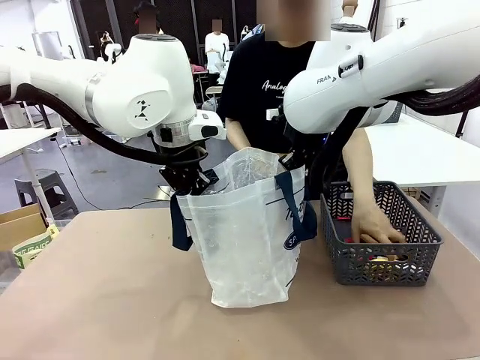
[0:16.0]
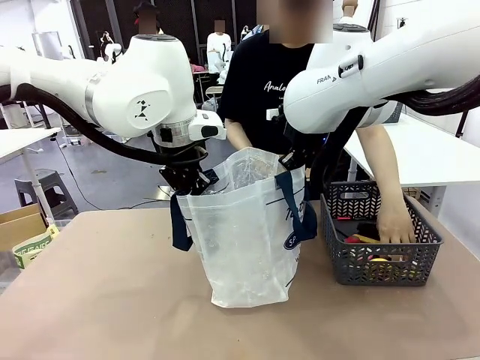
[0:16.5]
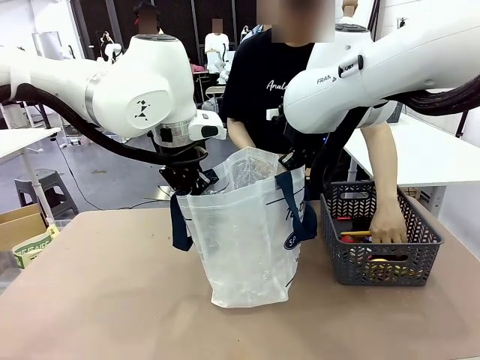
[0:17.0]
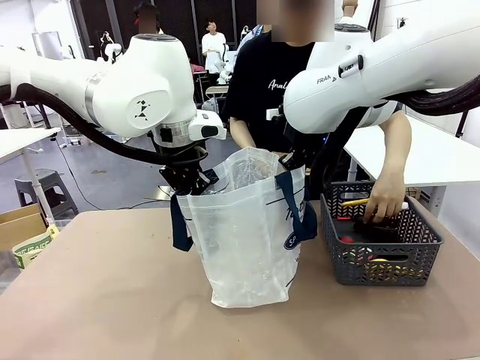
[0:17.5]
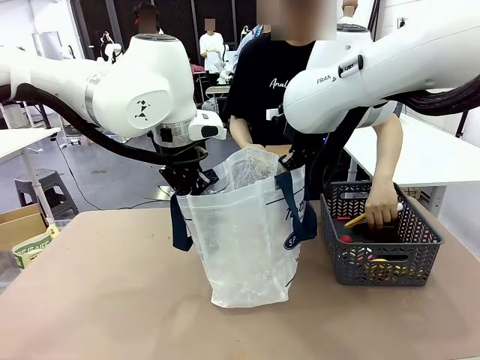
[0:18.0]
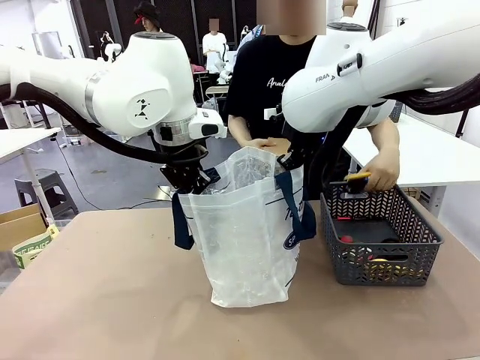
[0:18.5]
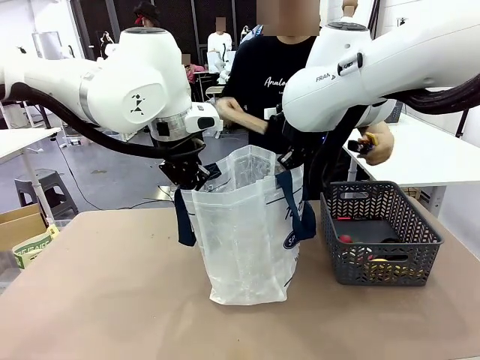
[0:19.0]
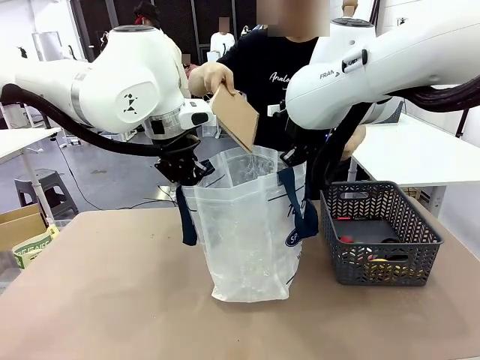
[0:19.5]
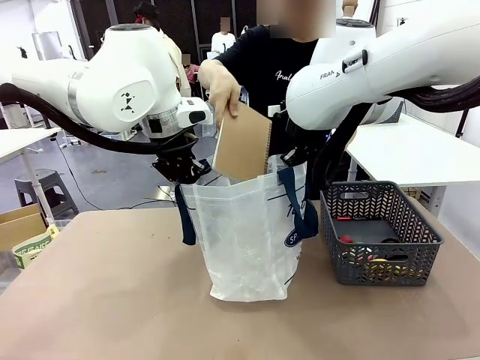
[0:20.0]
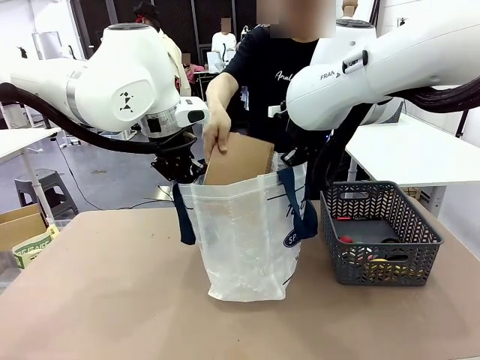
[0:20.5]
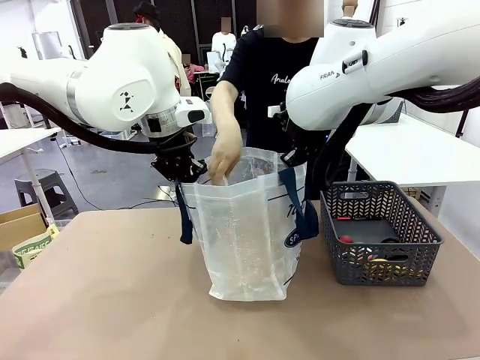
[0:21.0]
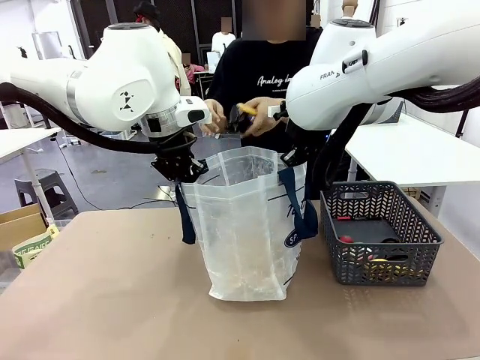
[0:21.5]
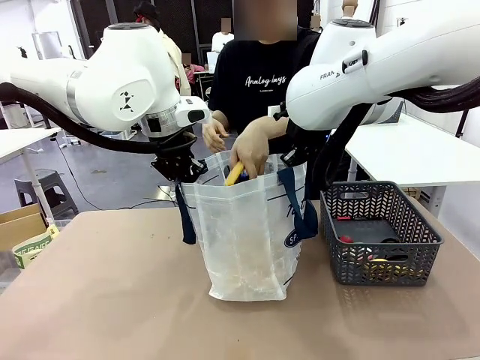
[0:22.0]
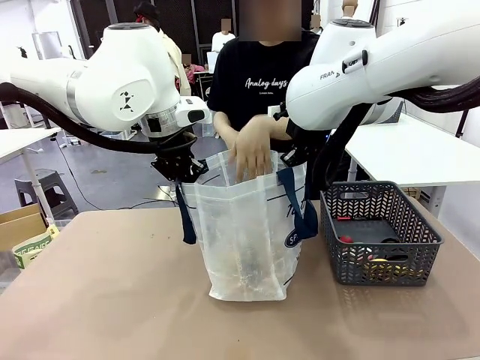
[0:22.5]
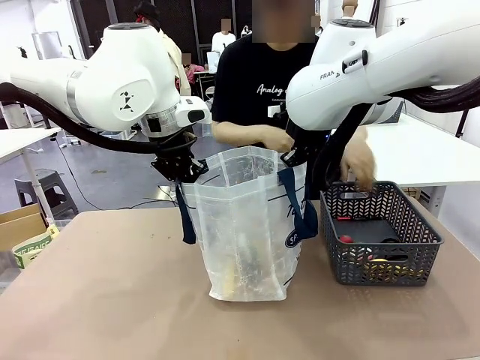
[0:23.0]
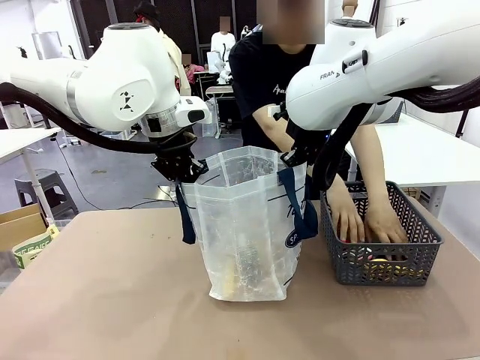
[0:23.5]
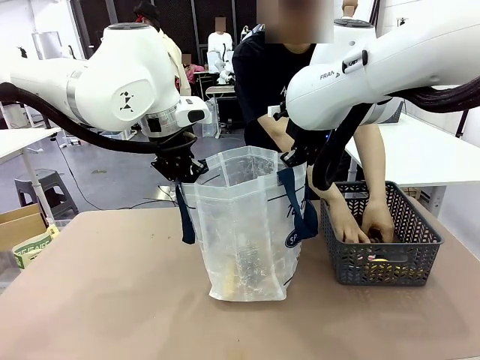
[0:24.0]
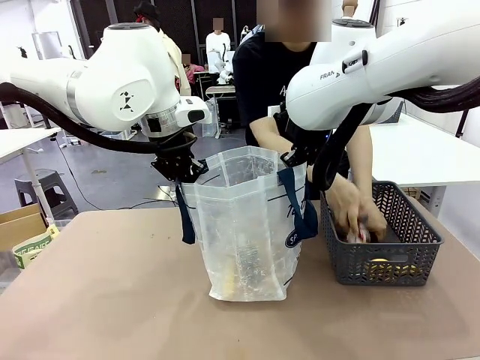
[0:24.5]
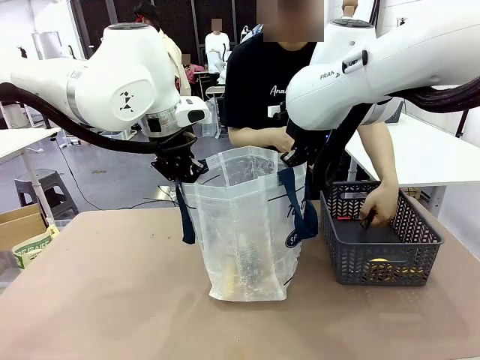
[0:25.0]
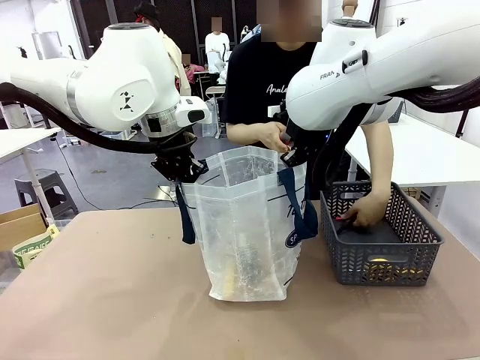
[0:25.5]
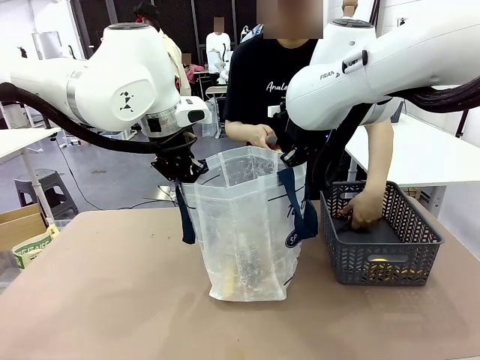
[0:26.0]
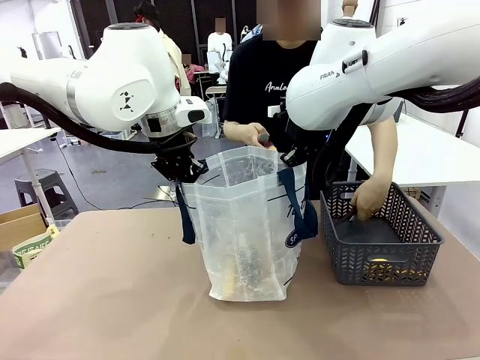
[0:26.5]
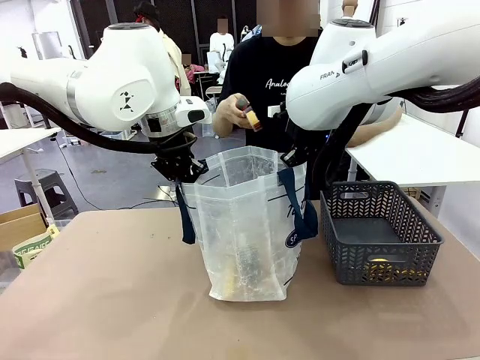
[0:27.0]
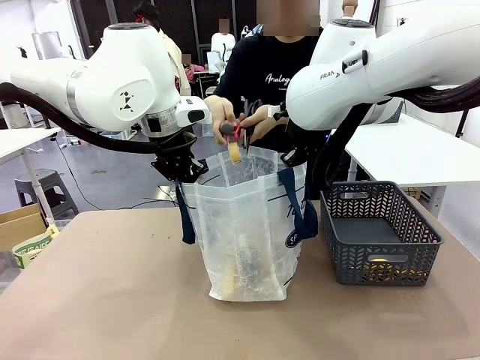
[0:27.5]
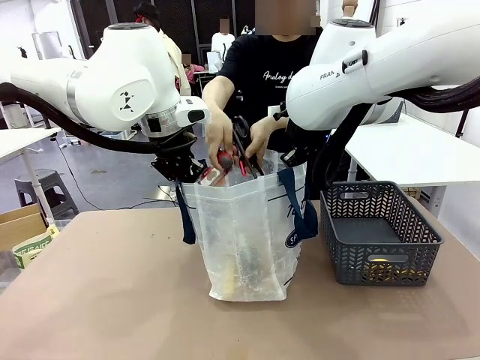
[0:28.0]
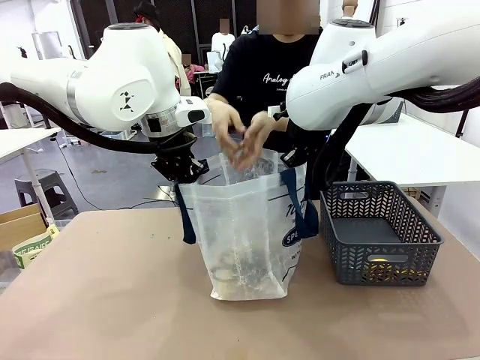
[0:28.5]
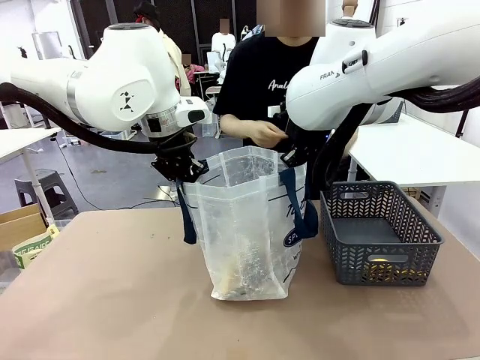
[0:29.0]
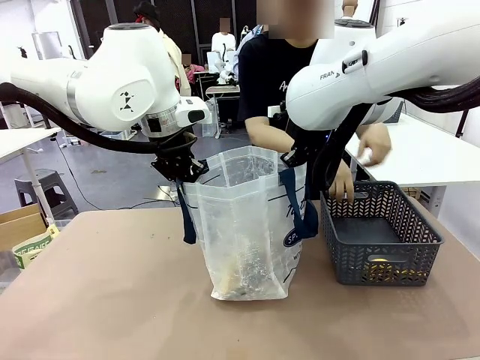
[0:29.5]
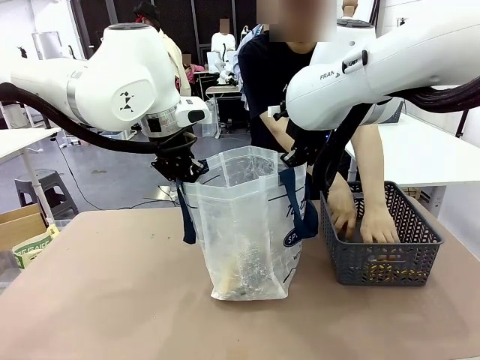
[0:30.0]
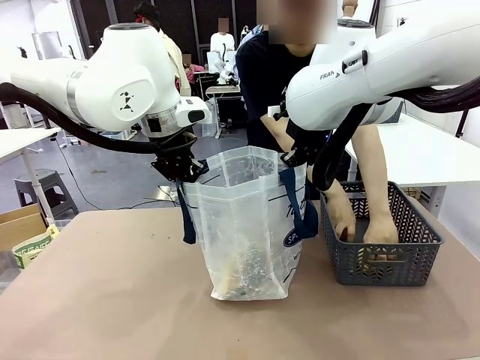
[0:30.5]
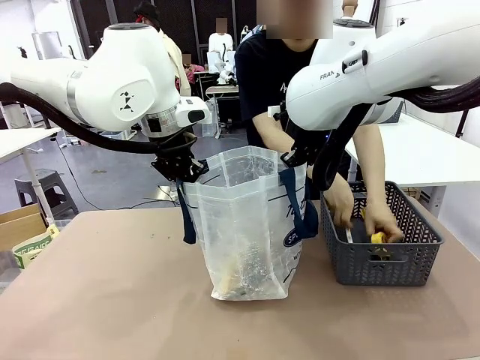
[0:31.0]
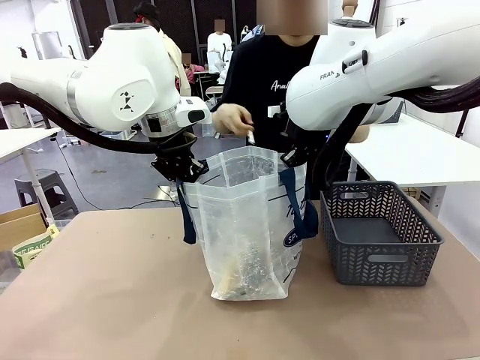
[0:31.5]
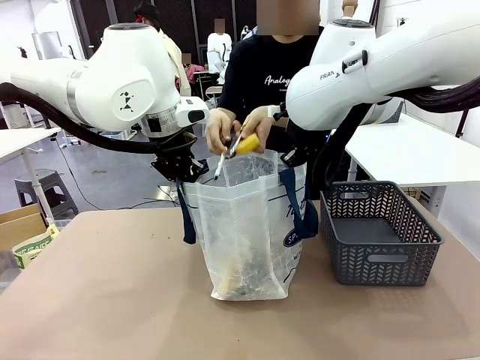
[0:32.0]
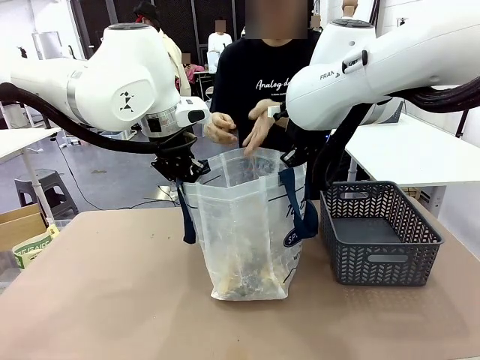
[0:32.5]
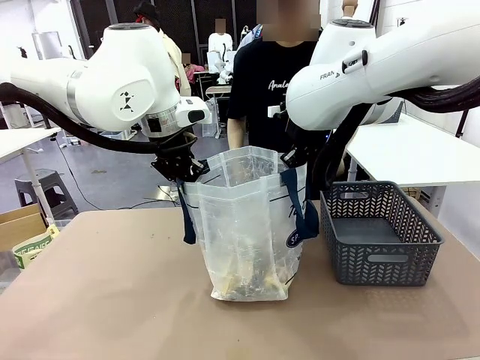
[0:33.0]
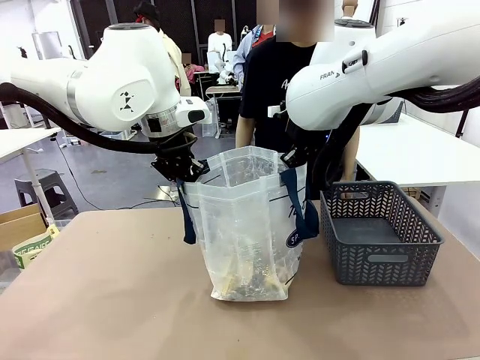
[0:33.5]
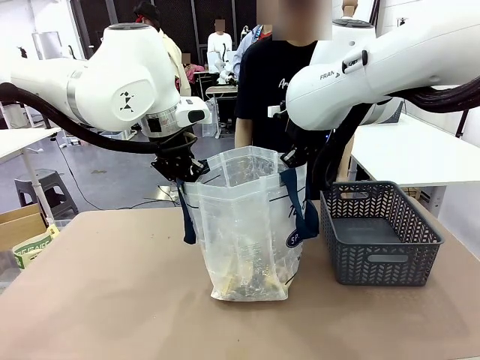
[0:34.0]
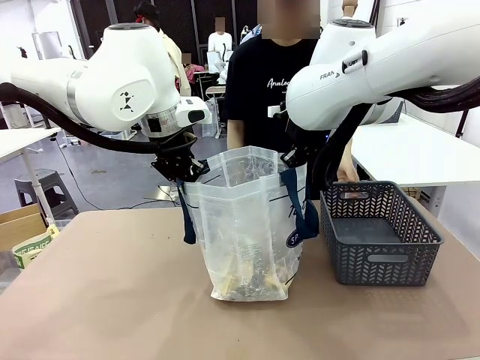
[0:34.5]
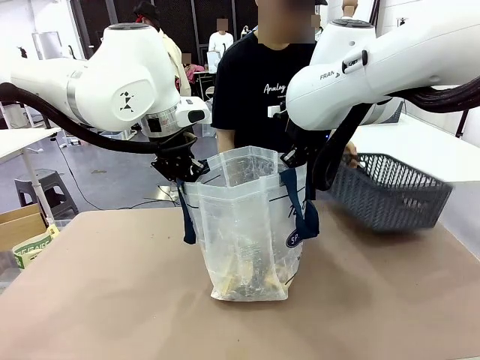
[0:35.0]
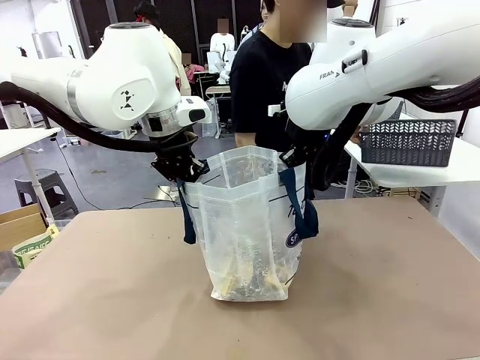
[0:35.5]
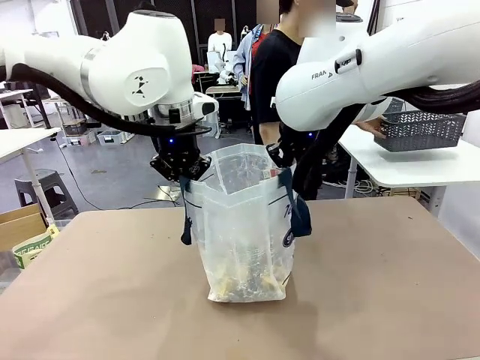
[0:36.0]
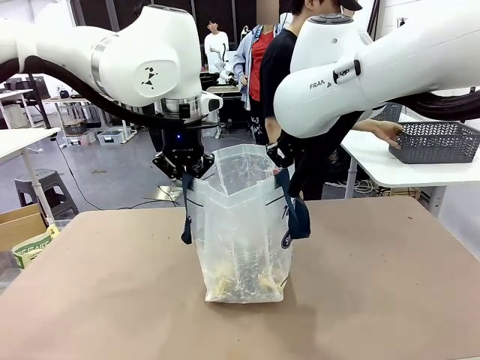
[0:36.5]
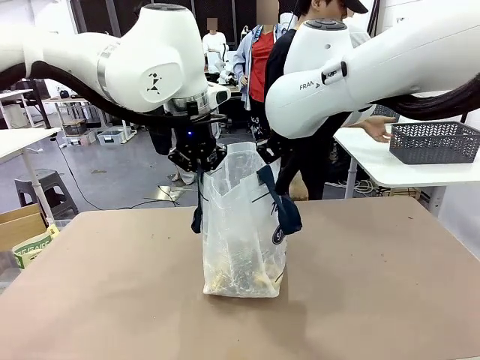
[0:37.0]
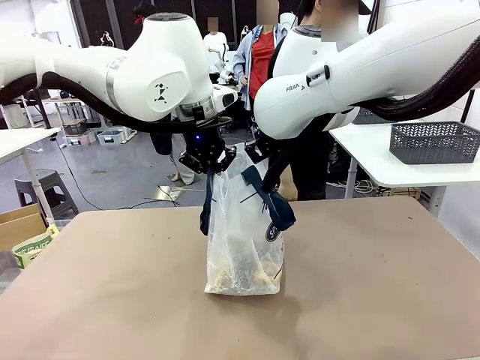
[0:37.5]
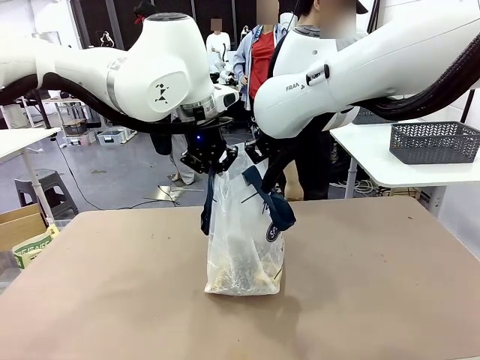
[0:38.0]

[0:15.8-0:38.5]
Task: Transfer purchased items from the store into the shopping bag.
Robot: Move the Reusable shopping bag to the right side of the table.
Person: Pick up the basket on the right, place it on the left side of the robot table, and move the items in the basket to the shopping bag. Pick up the basket with the items out and place it on the right side of the human table.

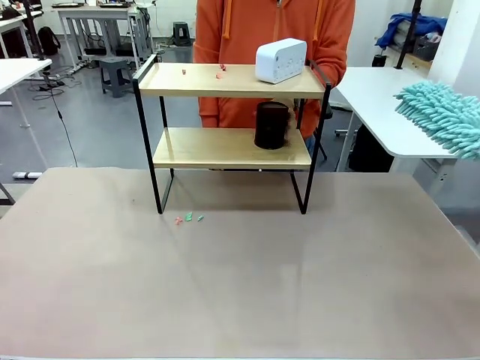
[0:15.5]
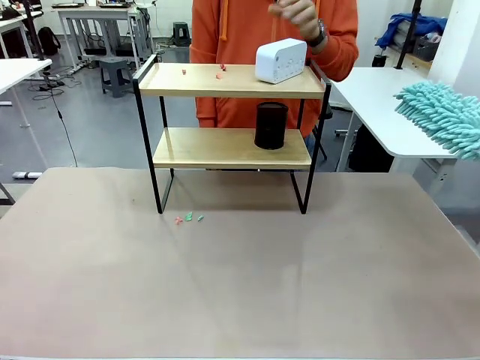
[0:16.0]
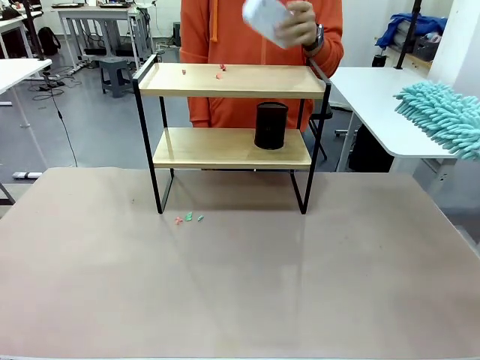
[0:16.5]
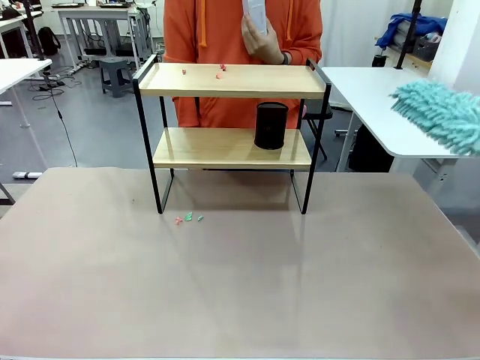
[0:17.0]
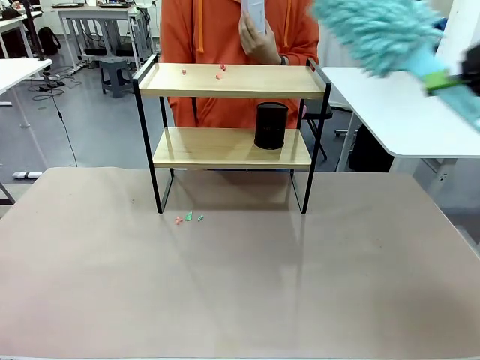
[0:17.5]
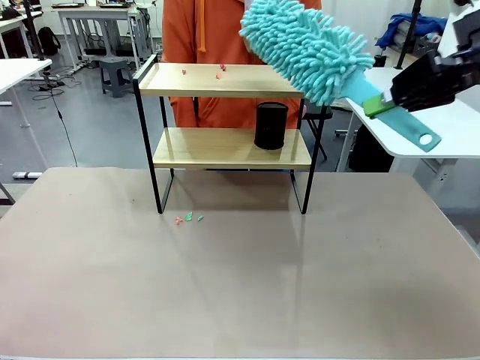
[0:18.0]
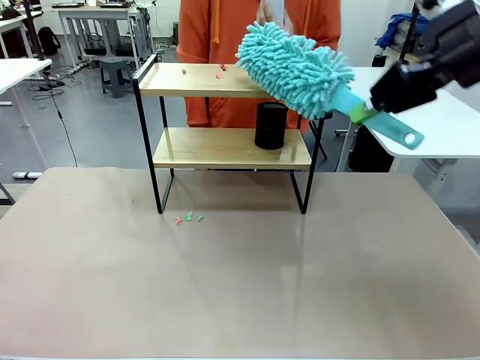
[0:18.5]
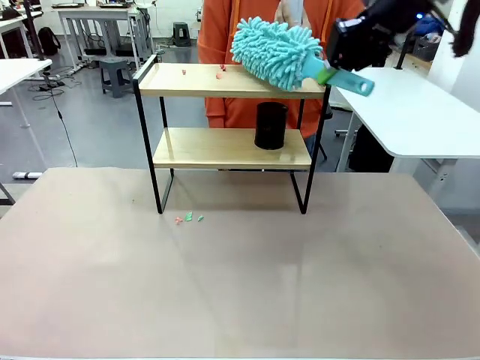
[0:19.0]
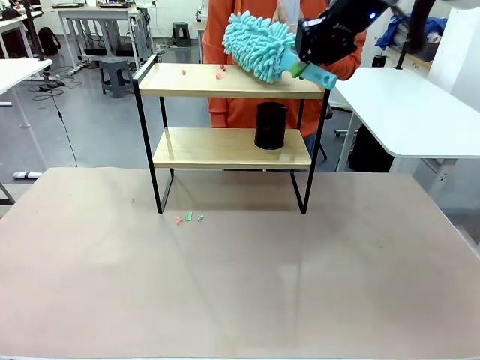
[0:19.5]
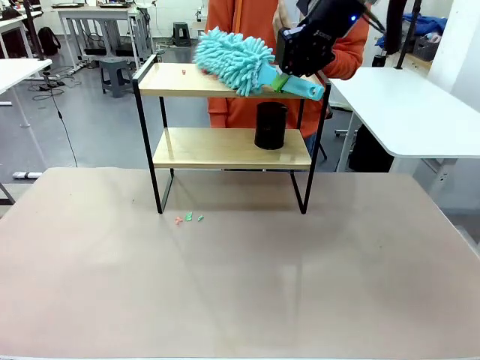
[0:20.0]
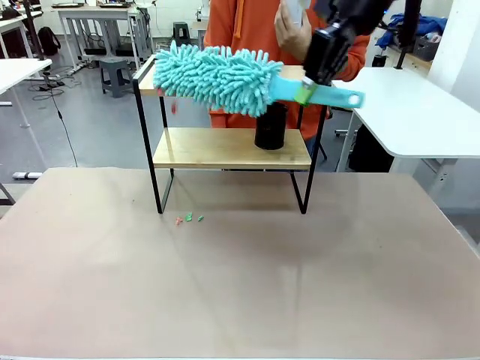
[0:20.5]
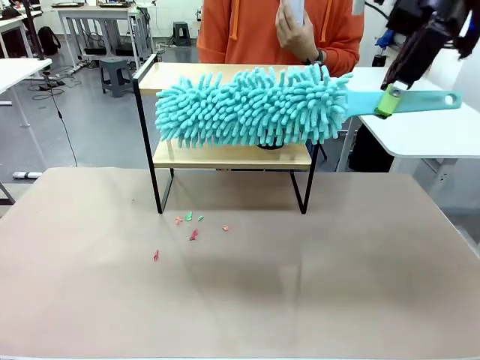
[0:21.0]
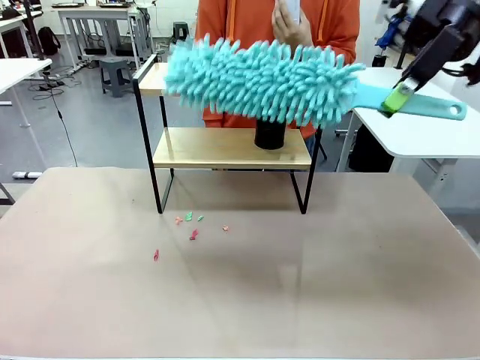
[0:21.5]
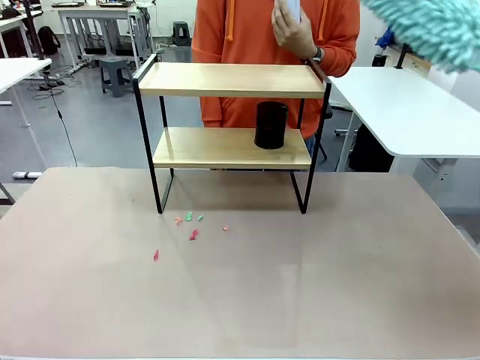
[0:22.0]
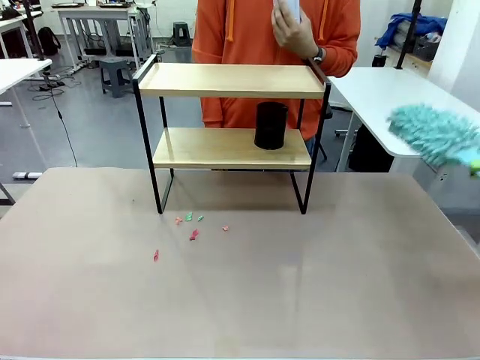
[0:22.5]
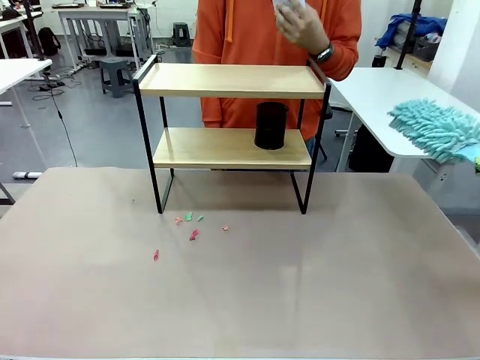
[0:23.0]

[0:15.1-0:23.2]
Task: Clean the shelf.
Robot: Clean the remaining tier of the Shelf with the Duster once objects are removed.
